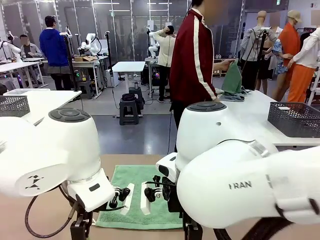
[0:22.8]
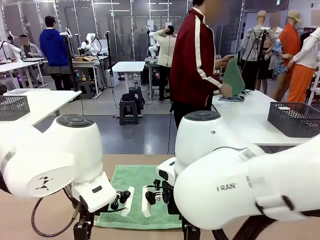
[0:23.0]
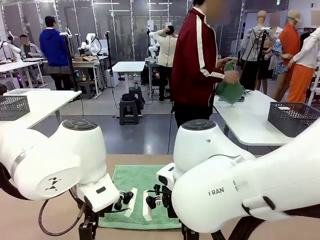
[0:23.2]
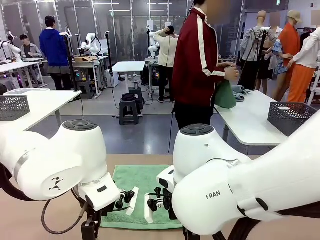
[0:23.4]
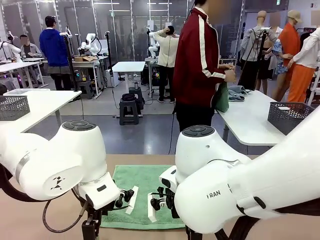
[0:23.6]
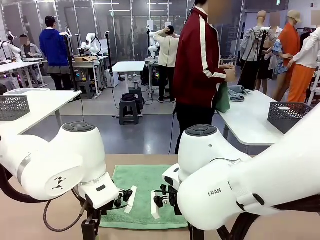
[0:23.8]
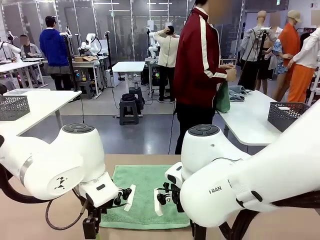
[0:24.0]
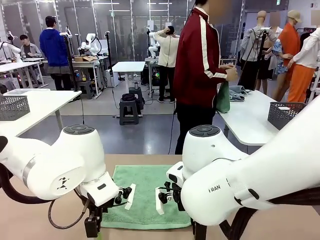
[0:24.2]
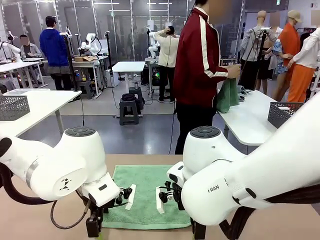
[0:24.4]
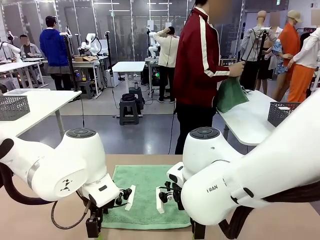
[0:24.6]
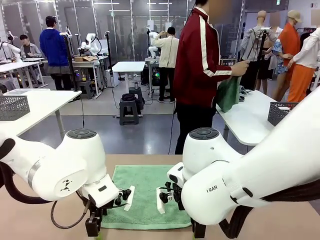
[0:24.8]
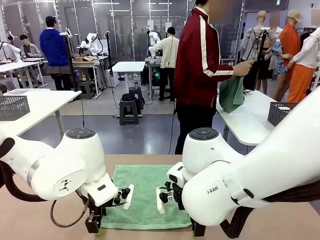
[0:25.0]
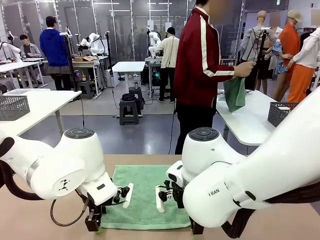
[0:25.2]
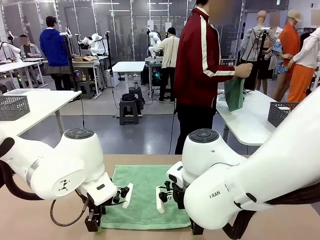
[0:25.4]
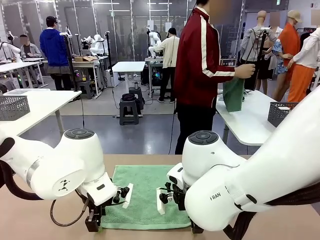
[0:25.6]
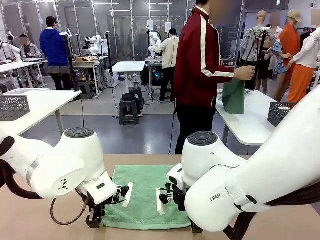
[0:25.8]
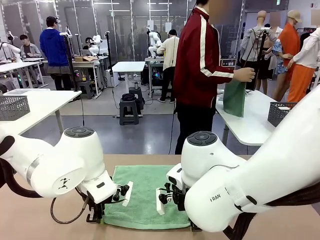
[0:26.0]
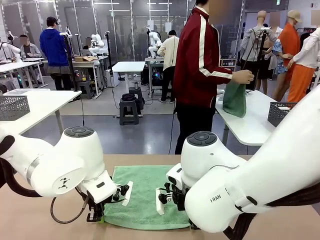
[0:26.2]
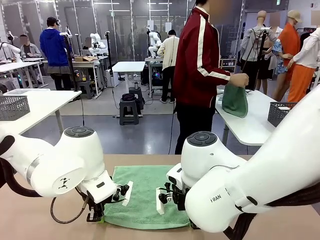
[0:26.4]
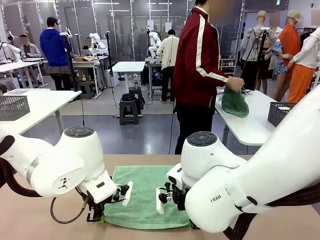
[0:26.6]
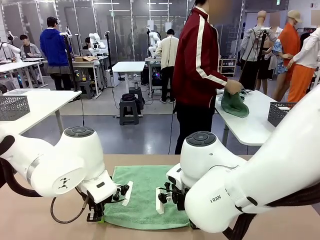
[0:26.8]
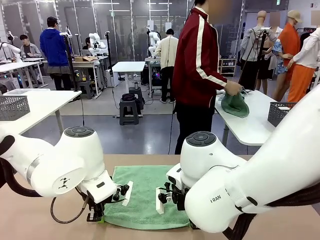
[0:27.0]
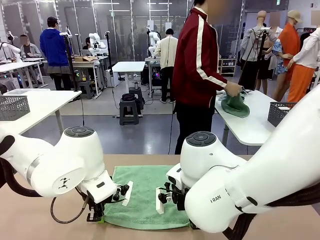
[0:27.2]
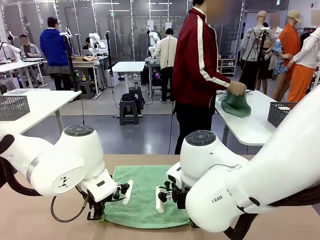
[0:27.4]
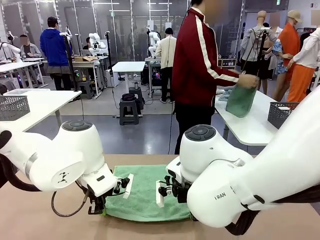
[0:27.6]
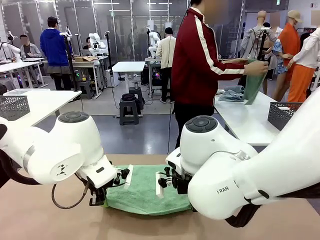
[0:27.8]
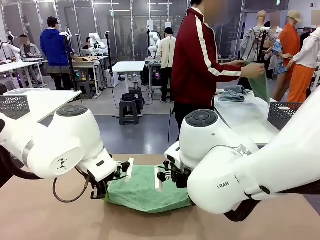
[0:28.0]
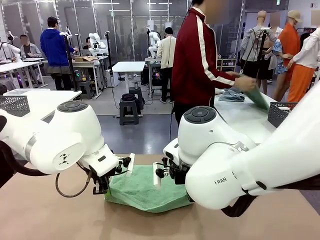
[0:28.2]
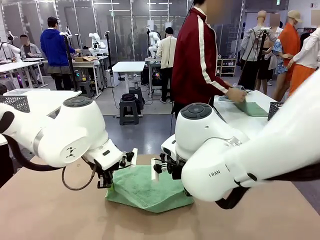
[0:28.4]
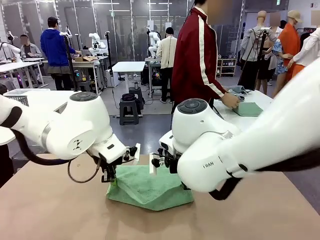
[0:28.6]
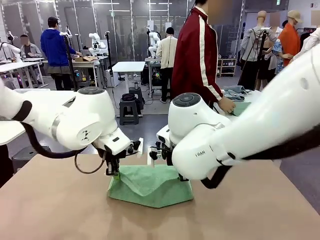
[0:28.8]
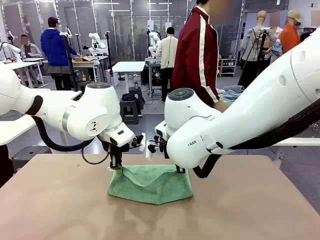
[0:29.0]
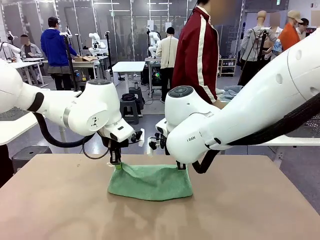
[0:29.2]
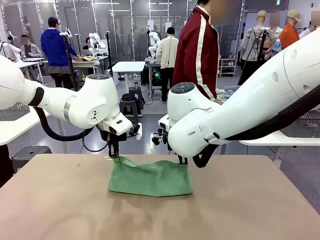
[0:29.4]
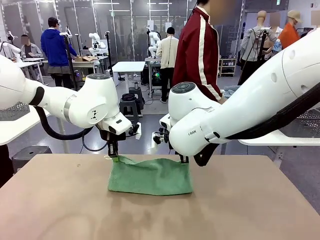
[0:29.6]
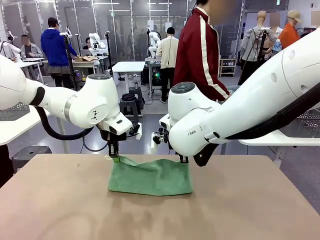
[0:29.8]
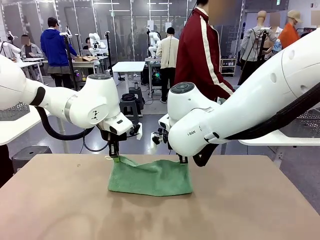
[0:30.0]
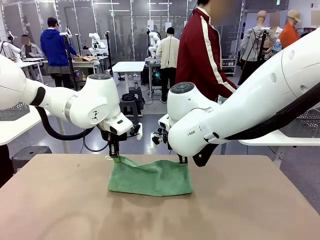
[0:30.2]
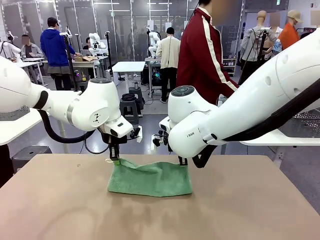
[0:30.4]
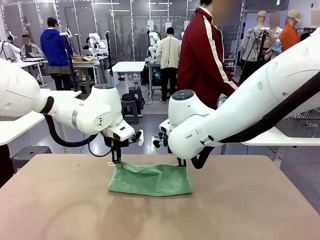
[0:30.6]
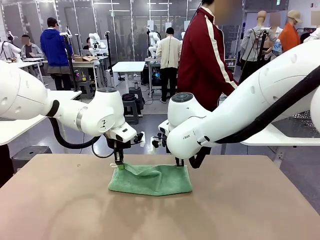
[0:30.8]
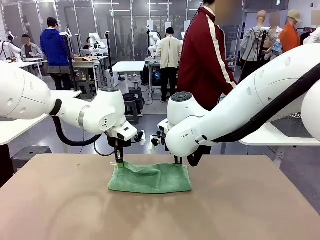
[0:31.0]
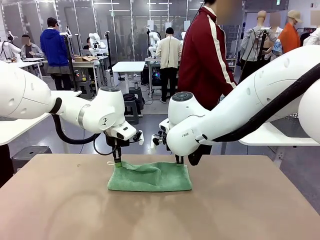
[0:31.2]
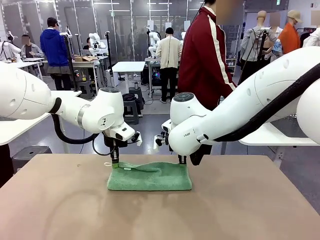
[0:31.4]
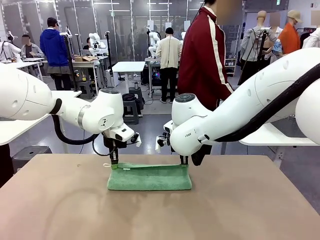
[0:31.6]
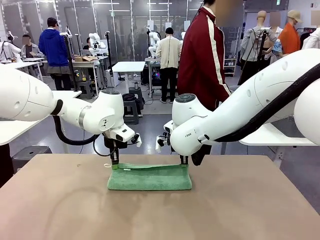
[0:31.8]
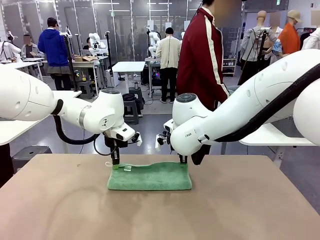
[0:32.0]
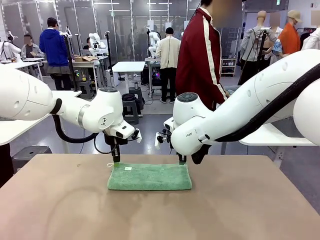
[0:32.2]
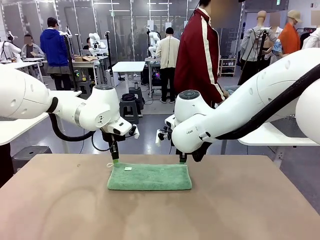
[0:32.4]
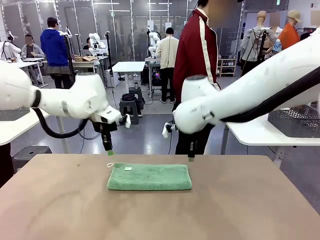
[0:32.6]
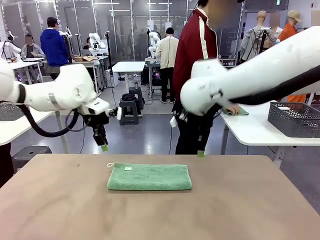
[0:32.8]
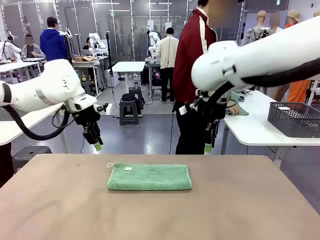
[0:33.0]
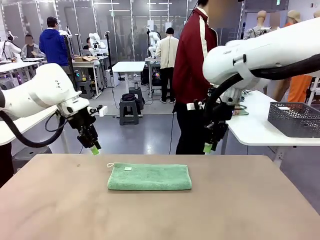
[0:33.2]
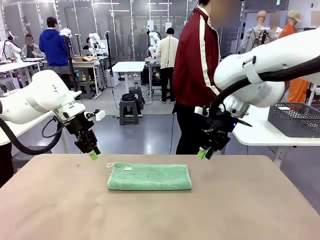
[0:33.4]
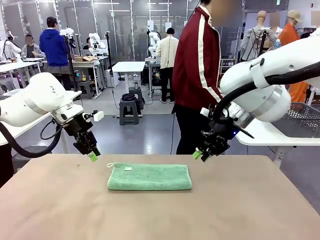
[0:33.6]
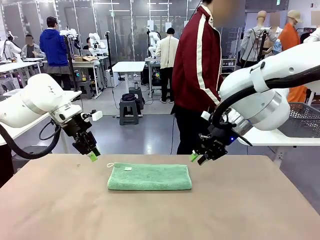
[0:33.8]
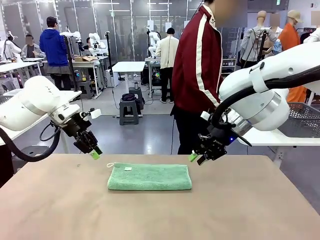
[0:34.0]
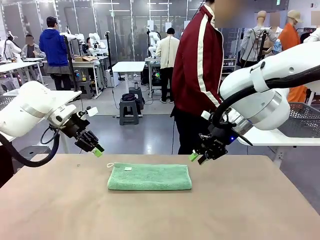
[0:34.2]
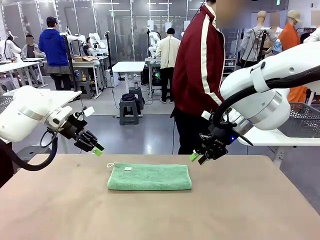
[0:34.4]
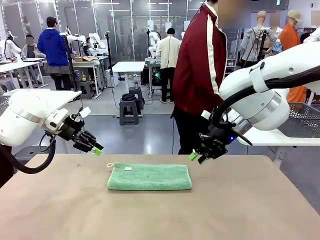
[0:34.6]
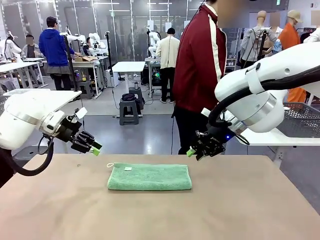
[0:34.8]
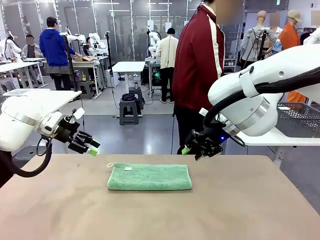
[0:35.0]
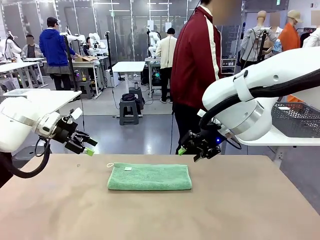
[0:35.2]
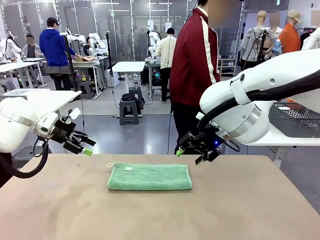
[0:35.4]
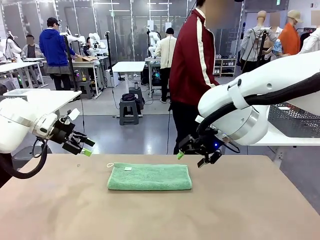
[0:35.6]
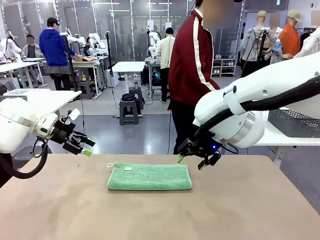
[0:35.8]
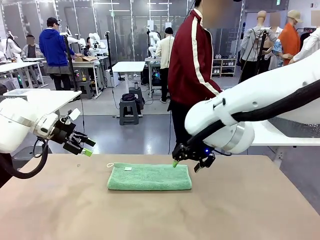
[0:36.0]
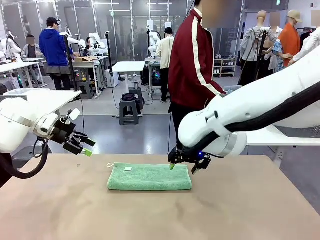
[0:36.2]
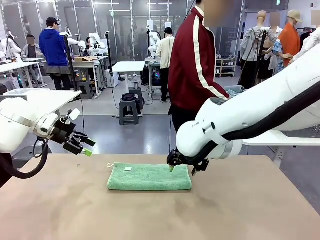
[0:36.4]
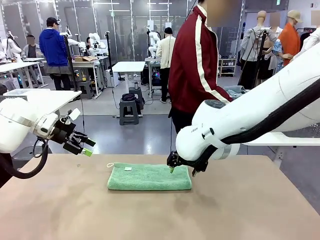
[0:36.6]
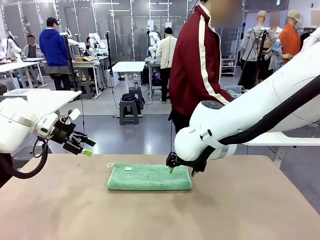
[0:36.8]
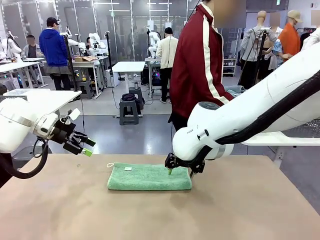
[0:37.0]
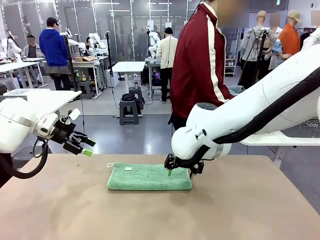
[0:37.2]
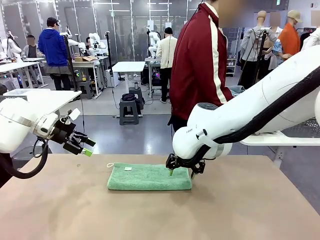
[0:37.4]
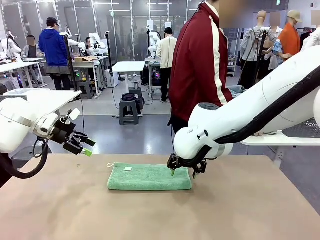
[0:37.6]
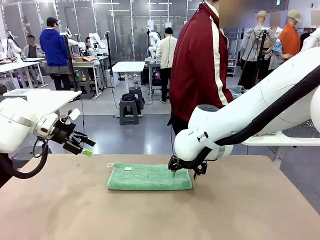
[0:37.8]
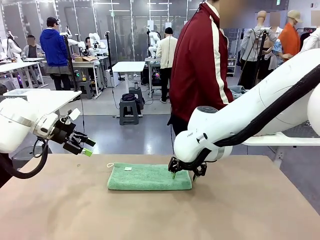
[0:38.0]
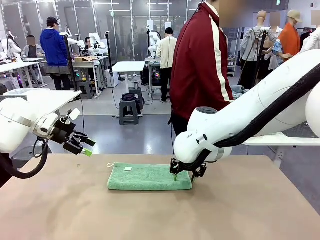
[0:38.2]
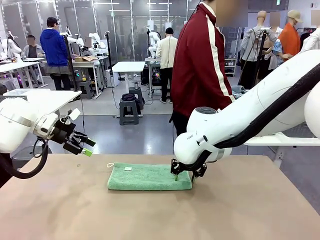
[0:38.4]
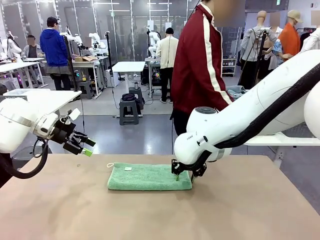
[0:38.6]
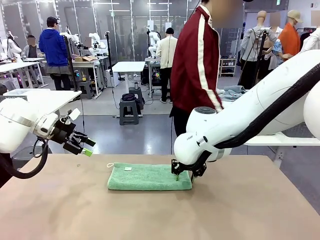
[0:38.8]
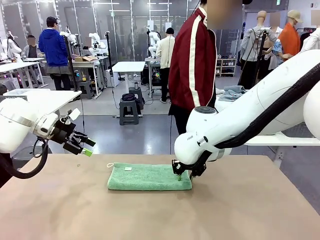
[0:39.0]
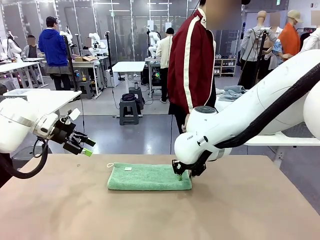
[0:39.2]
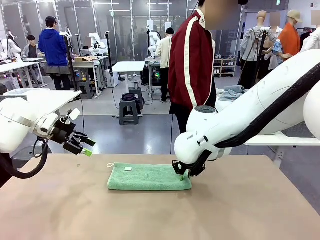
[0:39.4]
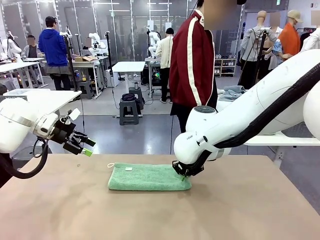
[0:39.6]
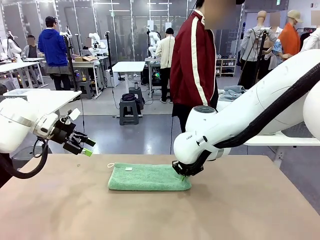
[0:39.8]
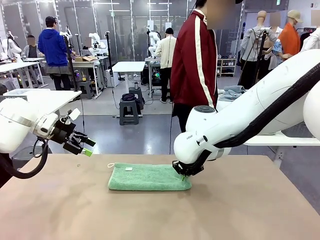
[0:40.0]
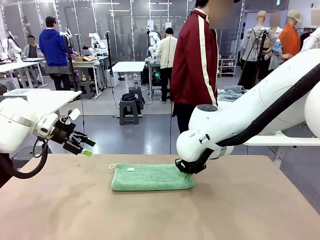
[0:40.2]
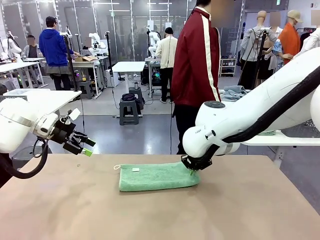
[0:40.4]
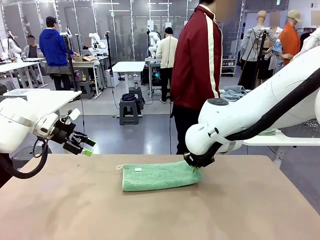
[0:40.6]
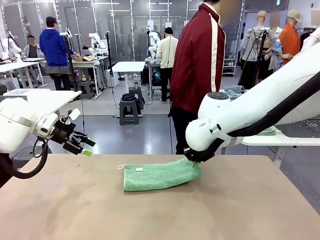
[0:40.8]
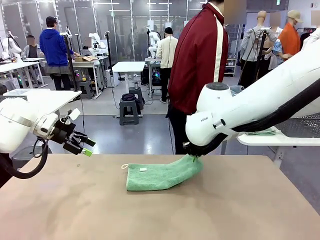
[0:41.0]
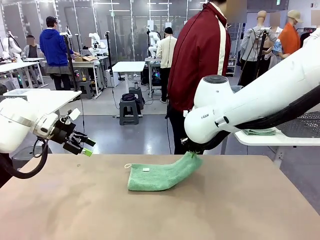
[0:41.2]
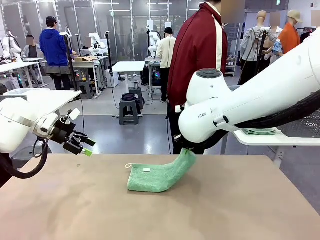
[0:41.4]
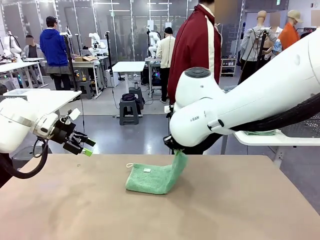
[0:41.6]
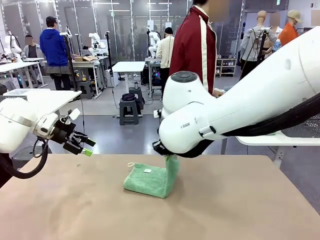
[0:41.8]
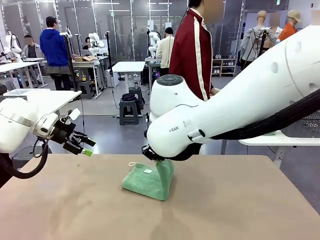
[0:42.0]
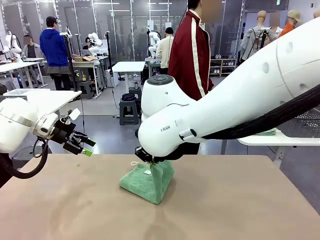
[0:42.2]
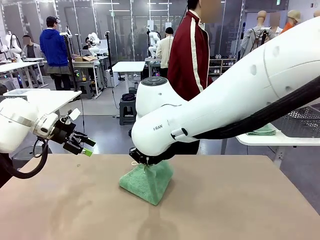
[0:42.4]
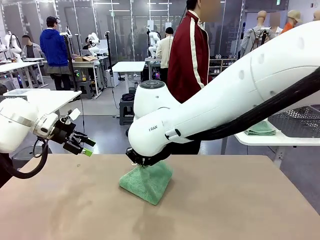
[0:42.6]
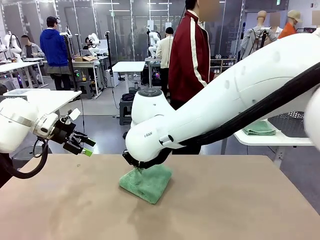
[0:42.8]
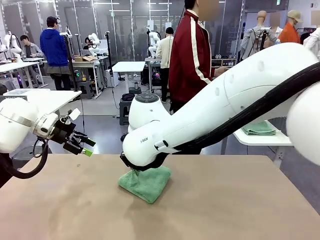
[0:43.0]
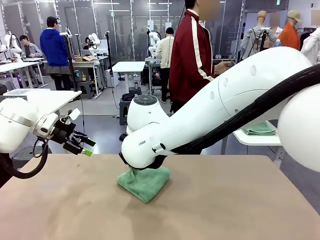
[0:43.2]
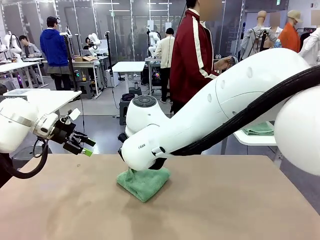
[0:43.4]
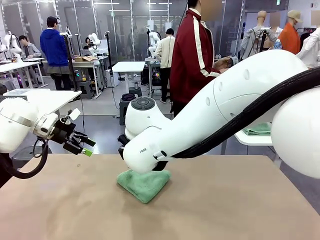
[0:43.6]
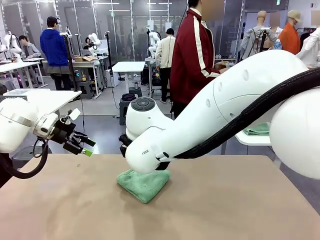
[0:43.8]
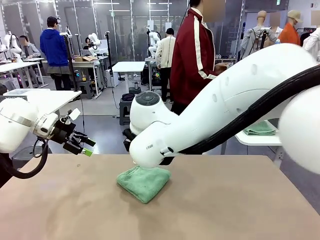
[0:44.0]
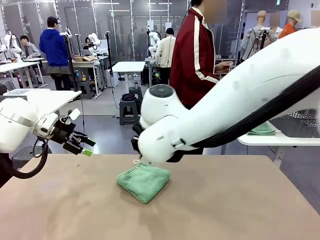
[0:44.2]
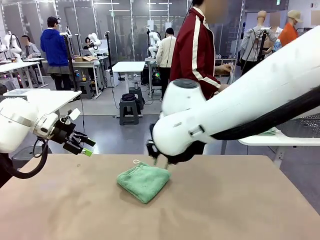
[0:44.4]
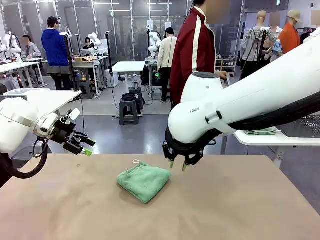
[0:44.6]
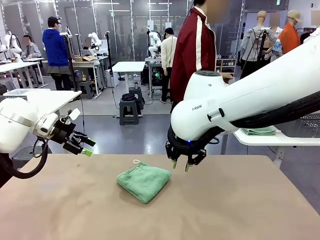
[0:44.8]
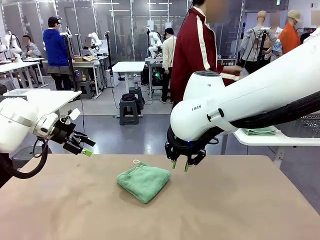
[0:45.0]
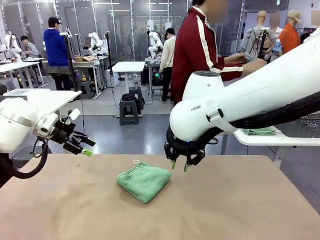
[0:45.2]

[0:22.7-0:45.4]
Task: Fold the towels and place them in the basket.
Robot: When a person lays out a Towel with hook on the table, fold it in half twice.
Person: Pick up one towel from the left side of the human table, fold it in half twice, and place it on the right side of the table.
